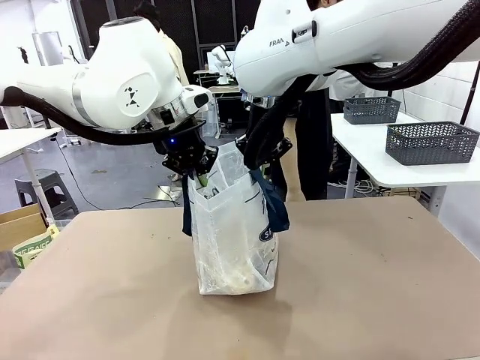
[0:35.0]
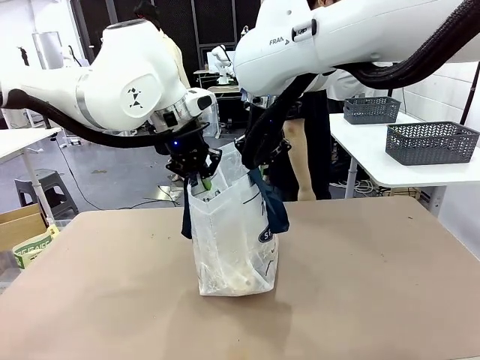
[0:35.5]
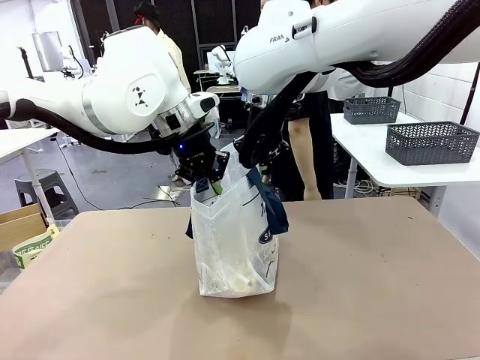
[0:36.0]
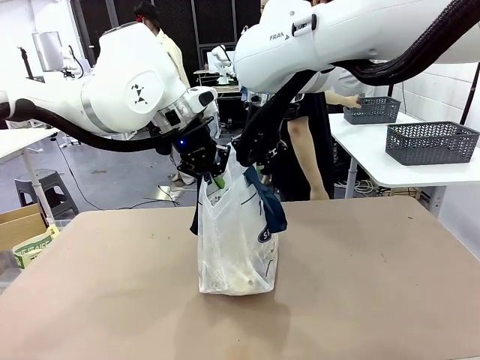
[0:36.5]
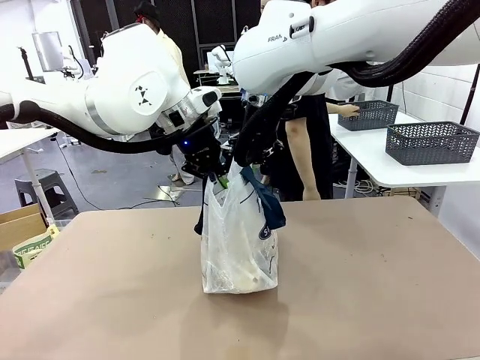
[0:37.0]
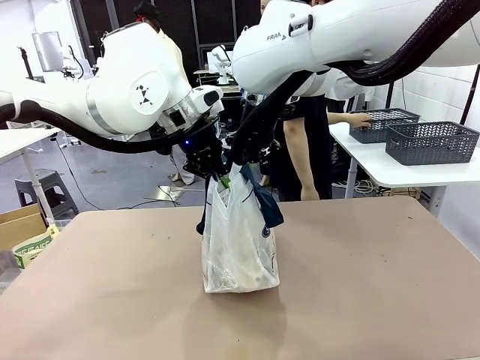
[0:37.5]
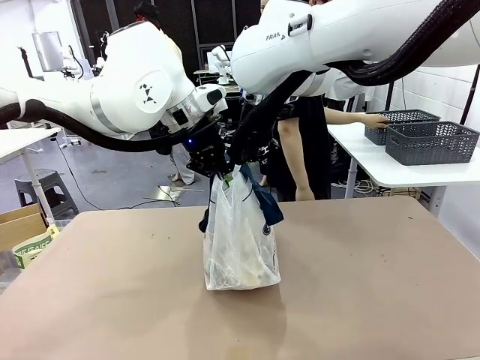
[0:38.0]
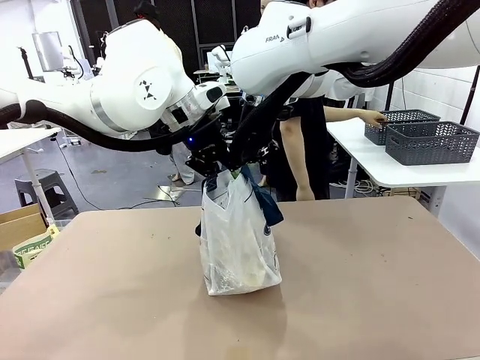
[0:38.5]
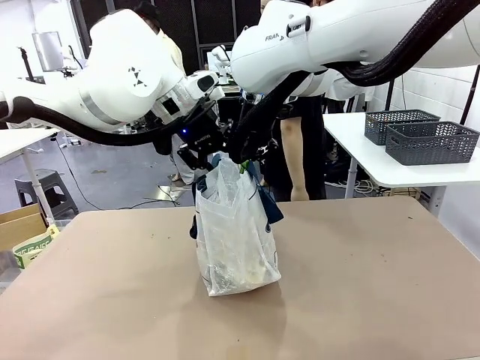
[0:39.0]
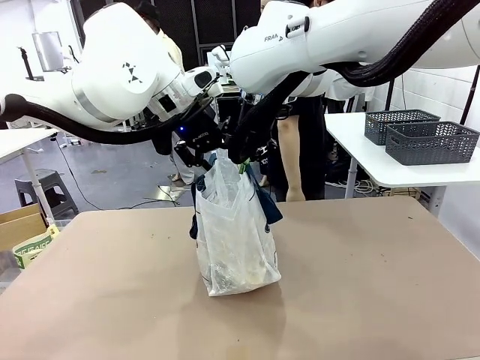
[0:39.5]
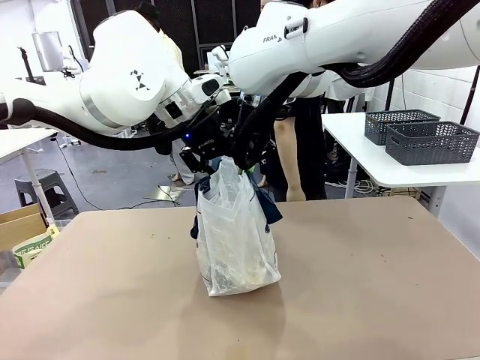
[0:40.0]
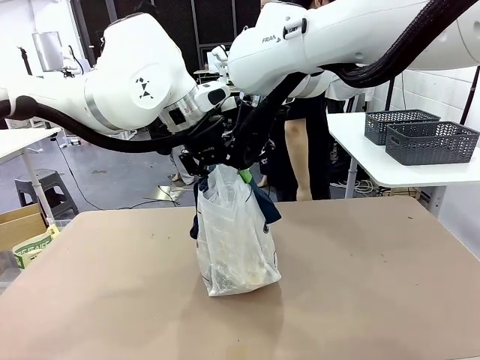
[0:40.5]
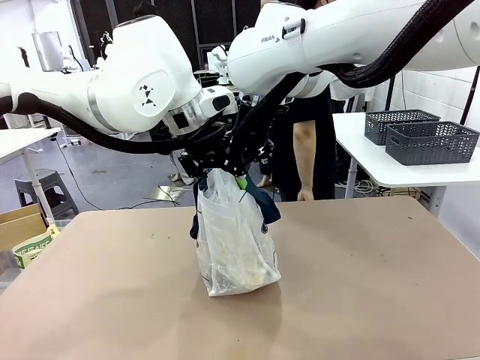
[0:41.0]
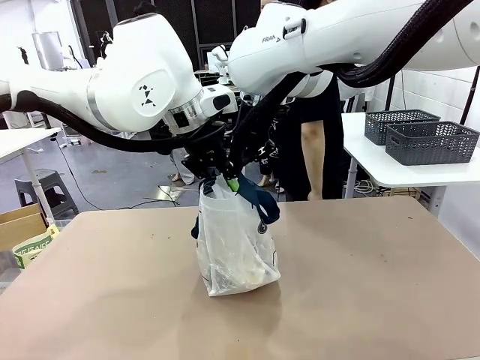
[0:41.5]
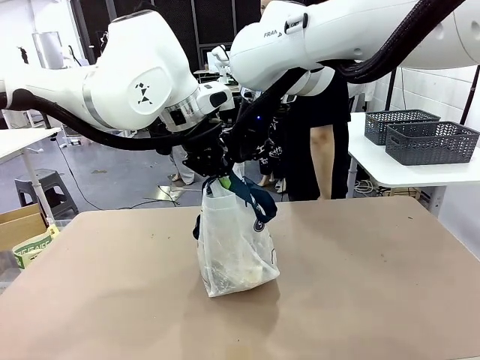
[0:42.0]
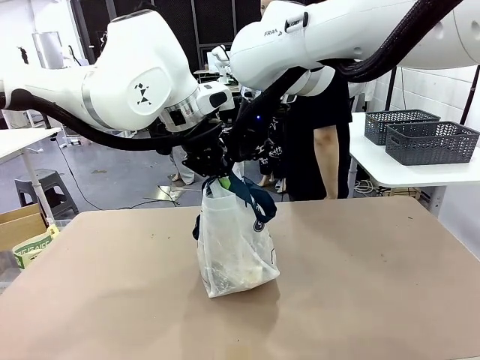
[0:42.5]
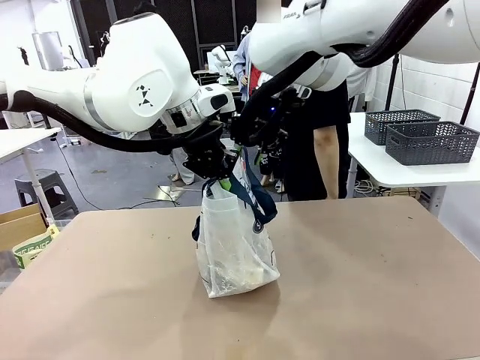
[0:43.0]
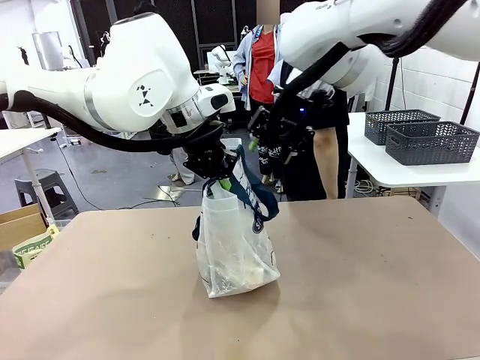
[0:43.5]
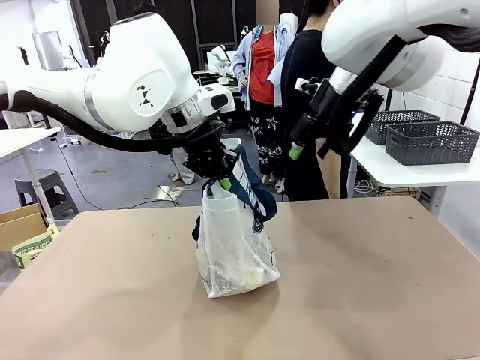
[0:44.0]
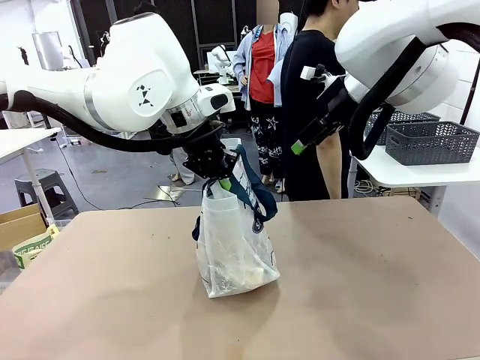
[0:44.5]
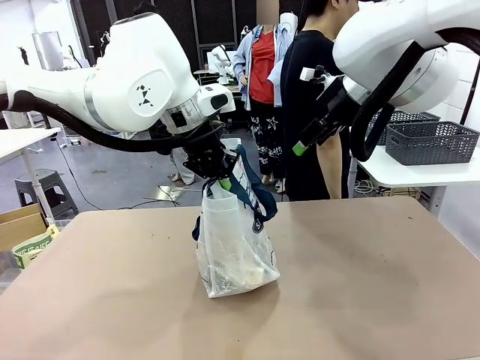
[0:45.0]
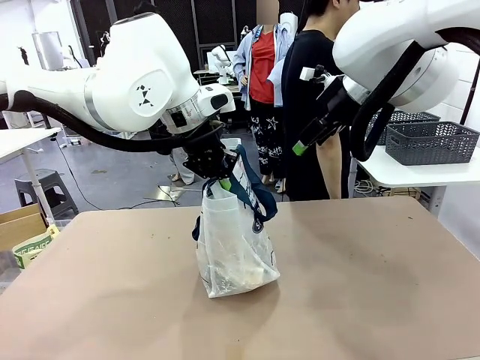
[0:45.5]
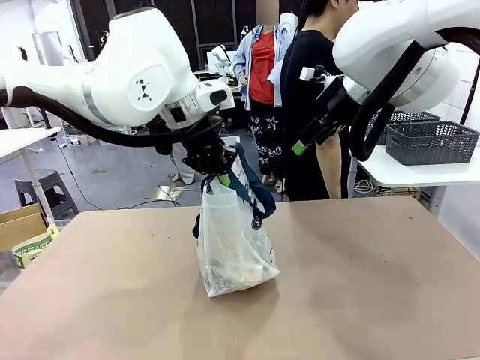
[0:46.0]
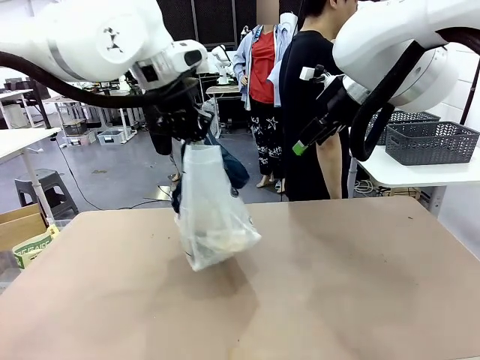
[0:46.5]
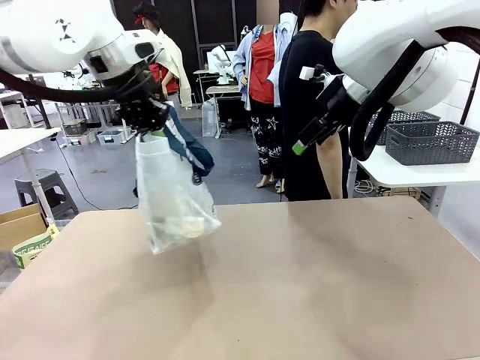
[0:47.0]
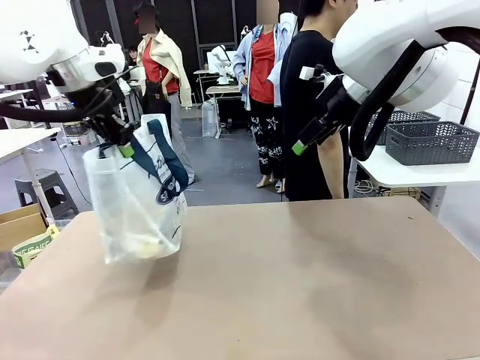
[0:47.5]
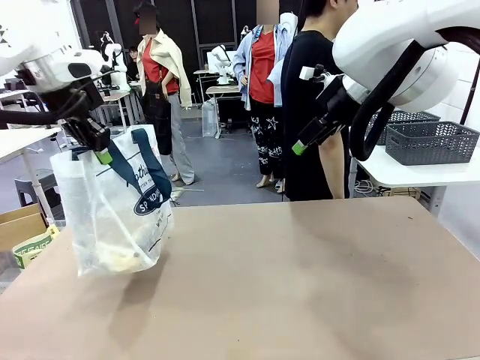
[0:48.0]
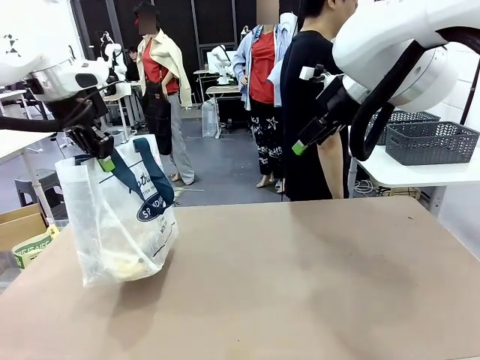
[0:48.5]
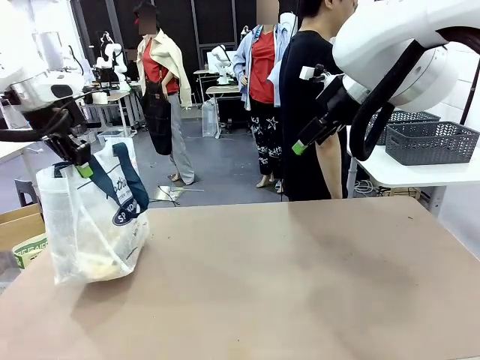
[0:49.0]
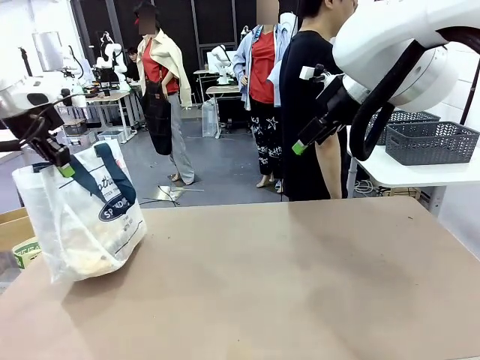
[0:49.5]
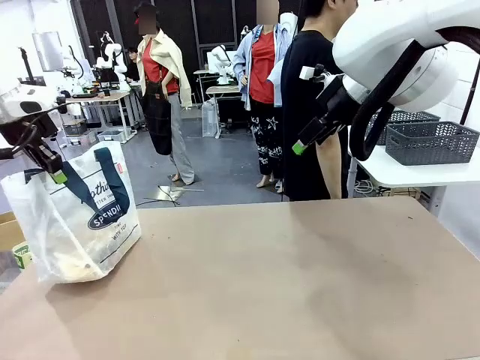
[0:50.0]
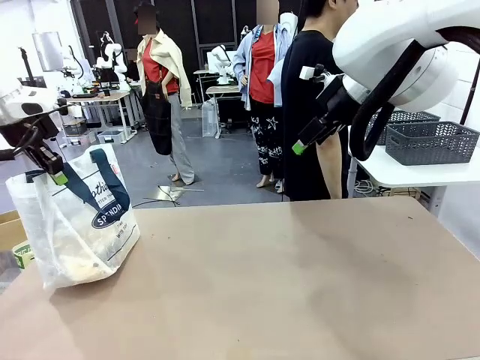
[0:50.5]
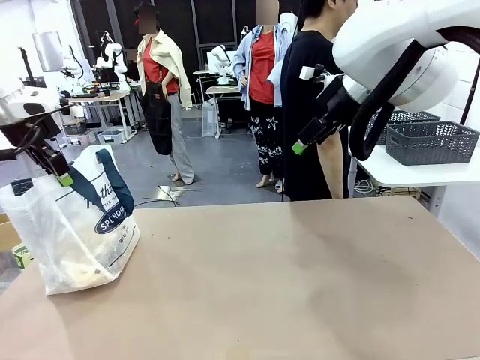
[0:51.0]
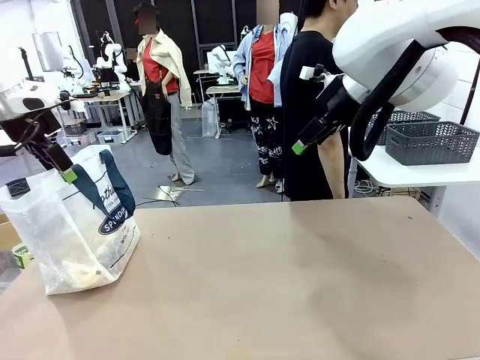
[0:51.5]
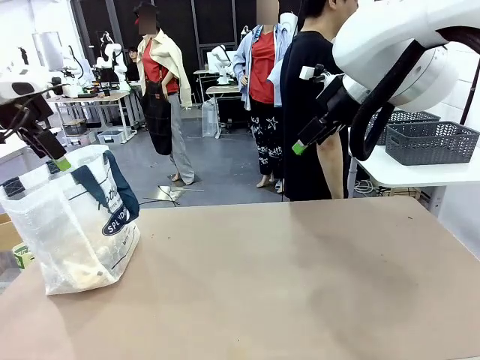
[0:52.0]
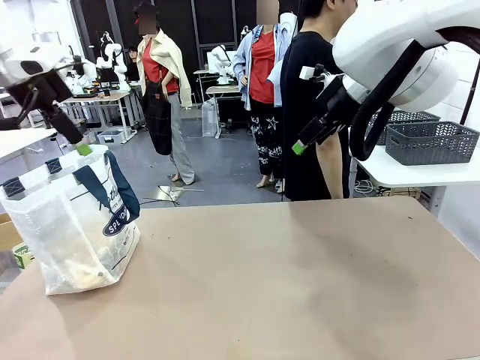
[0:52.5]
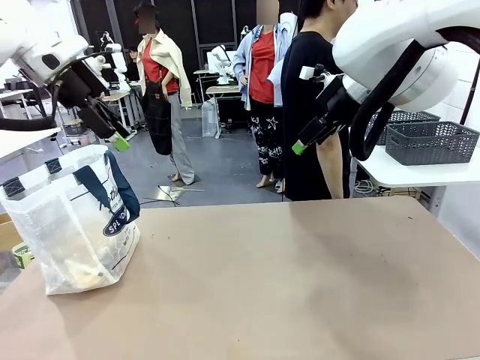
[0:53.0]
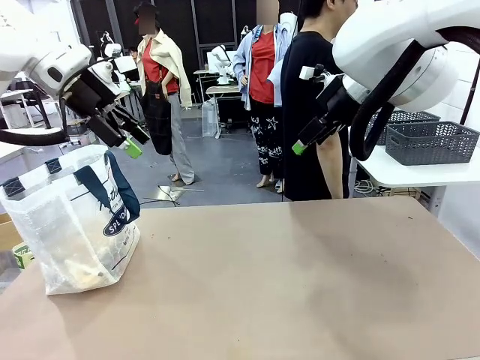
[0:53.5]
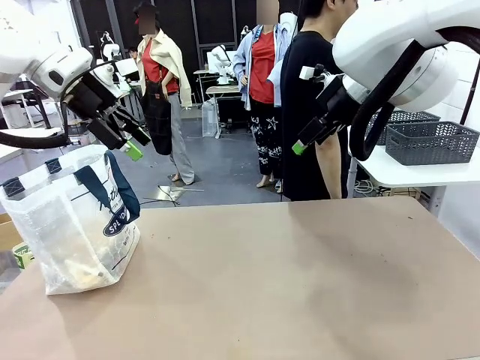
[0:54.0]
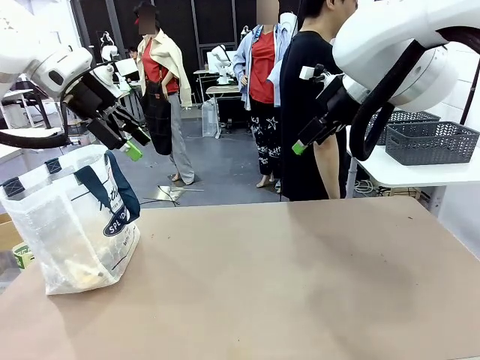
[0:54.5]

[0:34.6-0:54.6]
Task: Transfer purchased items from the store into the shopping bag.
Robot: Move the Reusable shopping bag to the right side of the table.
Person: Move the basket on the left to the middle of the person's table.
